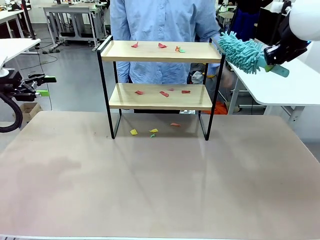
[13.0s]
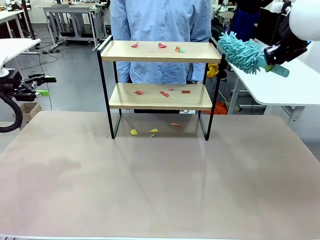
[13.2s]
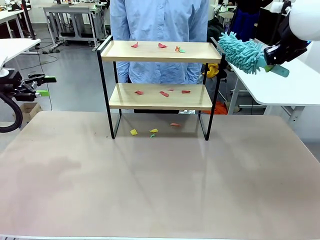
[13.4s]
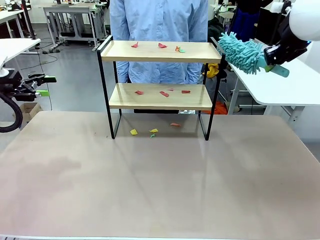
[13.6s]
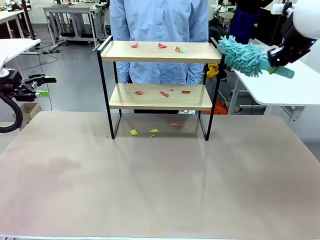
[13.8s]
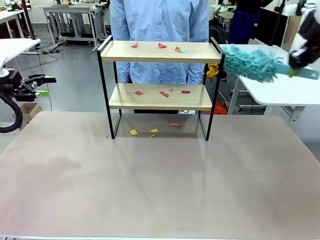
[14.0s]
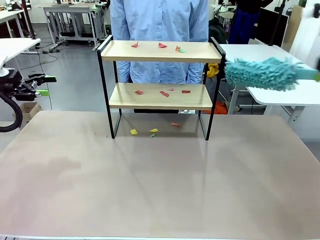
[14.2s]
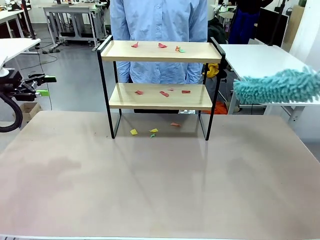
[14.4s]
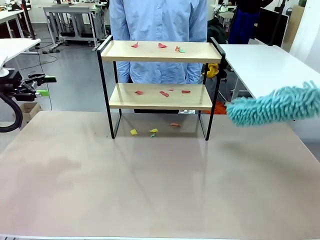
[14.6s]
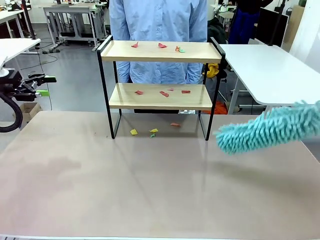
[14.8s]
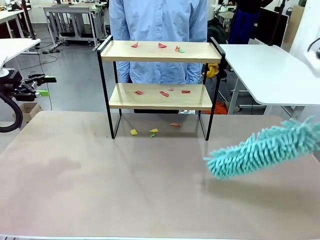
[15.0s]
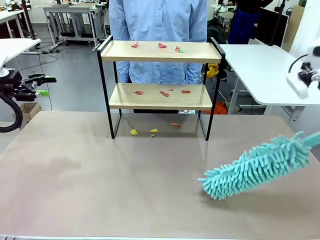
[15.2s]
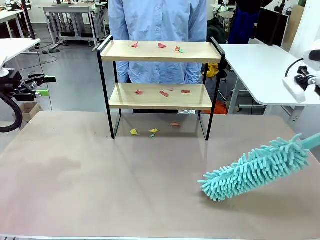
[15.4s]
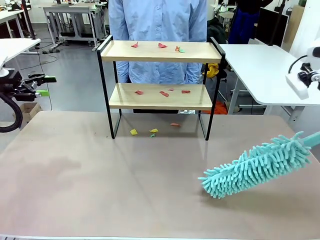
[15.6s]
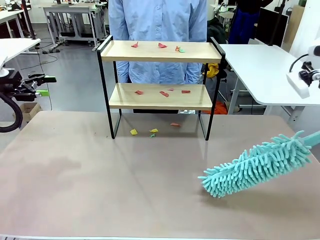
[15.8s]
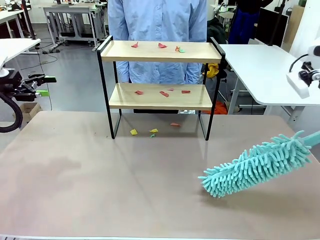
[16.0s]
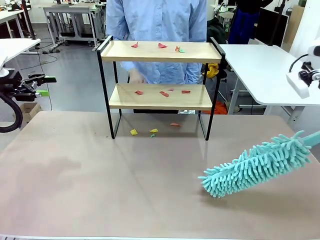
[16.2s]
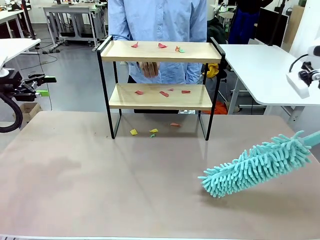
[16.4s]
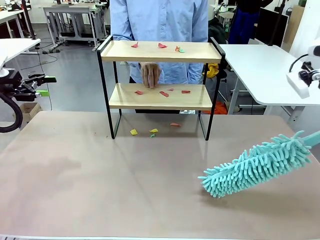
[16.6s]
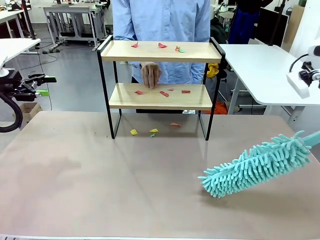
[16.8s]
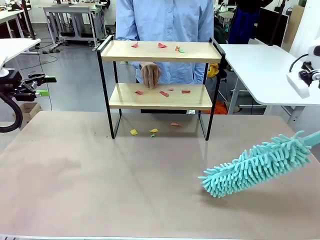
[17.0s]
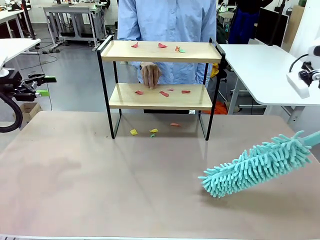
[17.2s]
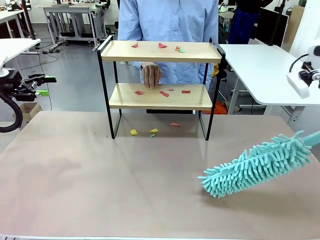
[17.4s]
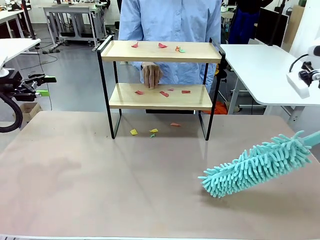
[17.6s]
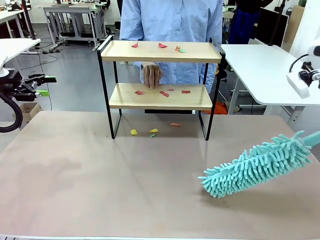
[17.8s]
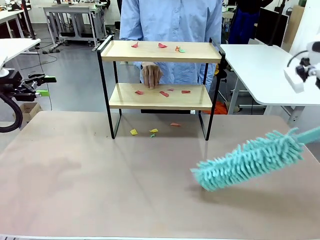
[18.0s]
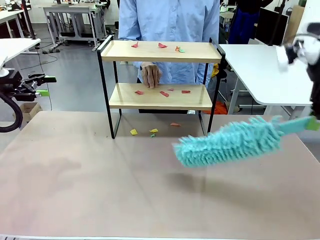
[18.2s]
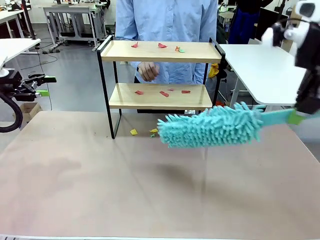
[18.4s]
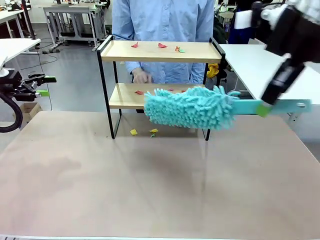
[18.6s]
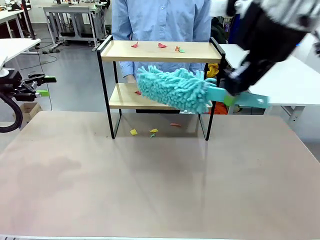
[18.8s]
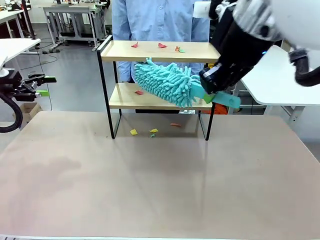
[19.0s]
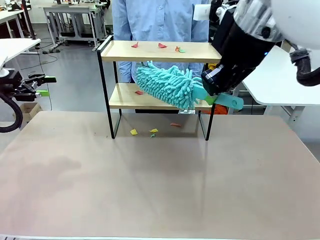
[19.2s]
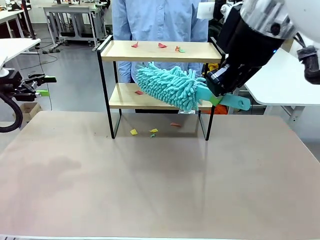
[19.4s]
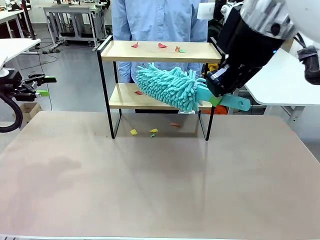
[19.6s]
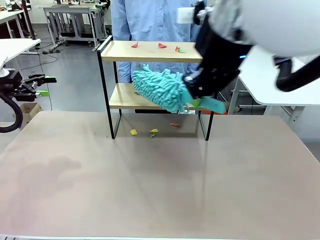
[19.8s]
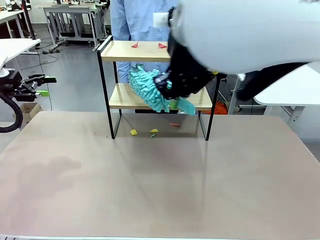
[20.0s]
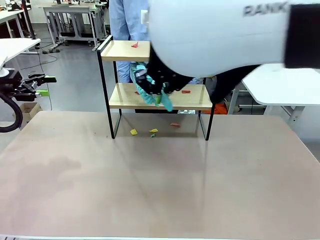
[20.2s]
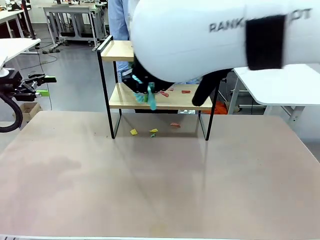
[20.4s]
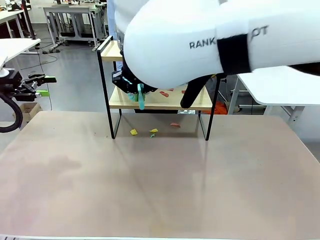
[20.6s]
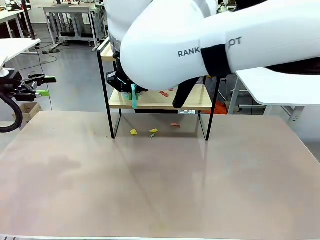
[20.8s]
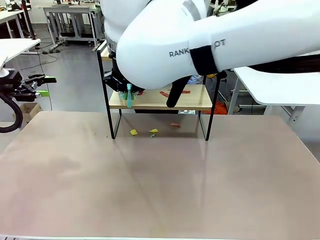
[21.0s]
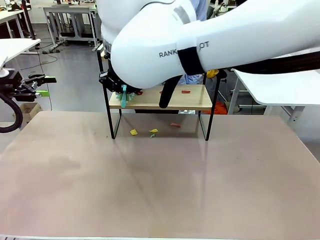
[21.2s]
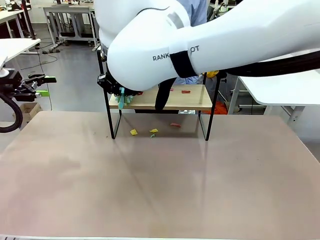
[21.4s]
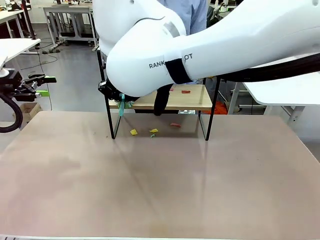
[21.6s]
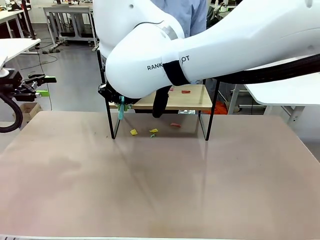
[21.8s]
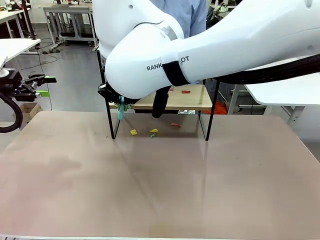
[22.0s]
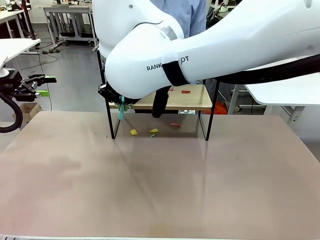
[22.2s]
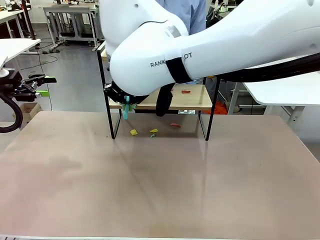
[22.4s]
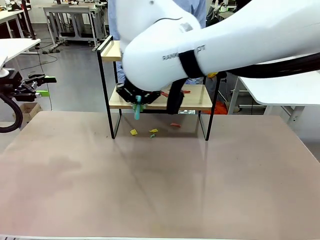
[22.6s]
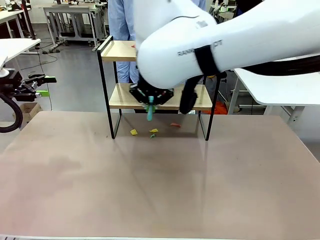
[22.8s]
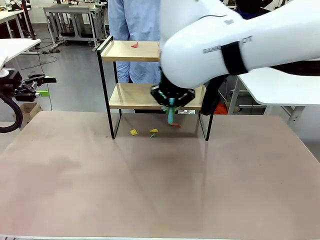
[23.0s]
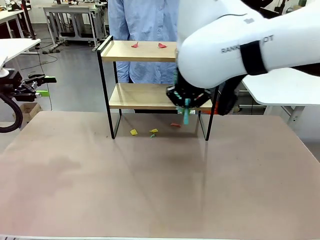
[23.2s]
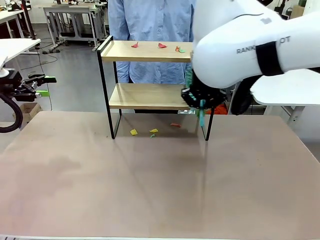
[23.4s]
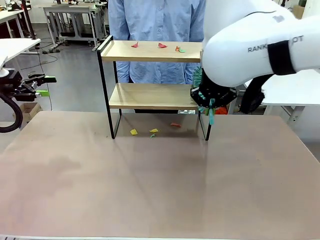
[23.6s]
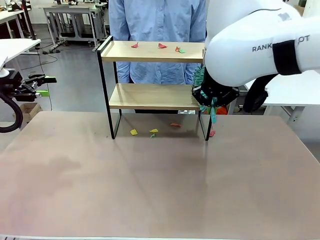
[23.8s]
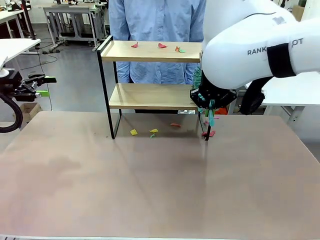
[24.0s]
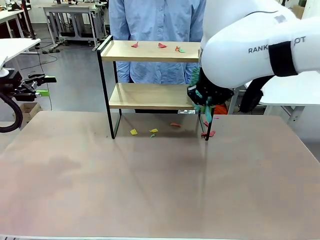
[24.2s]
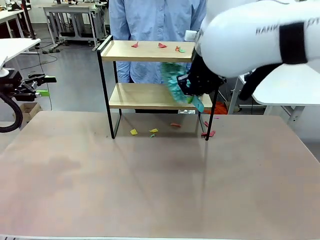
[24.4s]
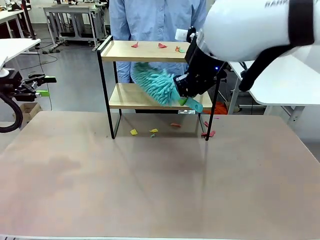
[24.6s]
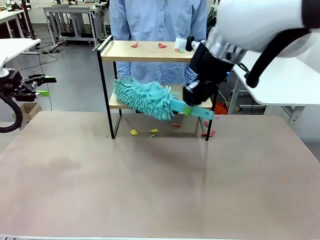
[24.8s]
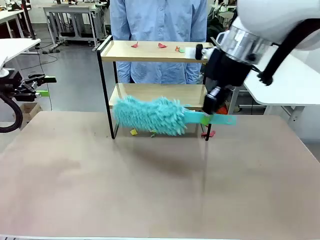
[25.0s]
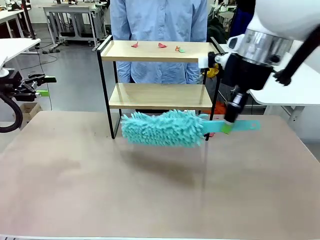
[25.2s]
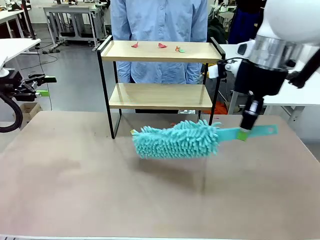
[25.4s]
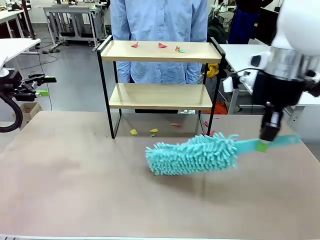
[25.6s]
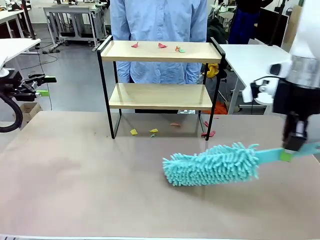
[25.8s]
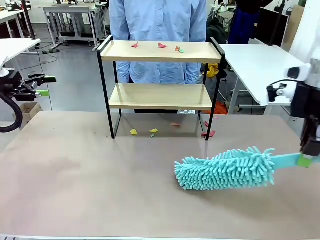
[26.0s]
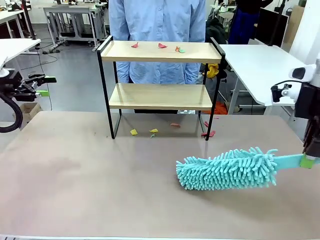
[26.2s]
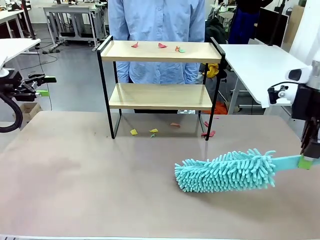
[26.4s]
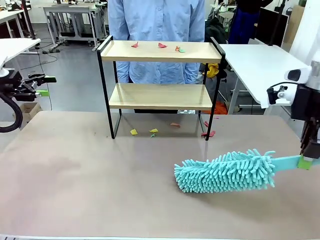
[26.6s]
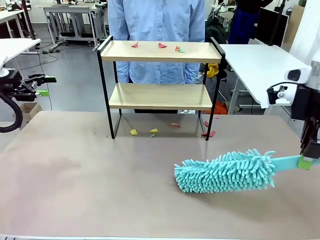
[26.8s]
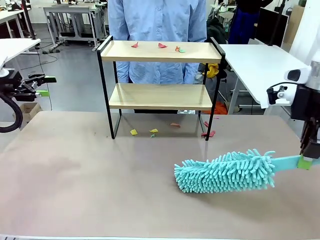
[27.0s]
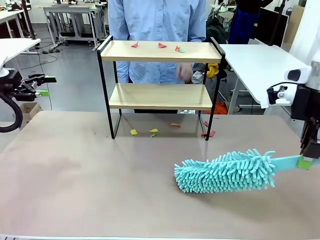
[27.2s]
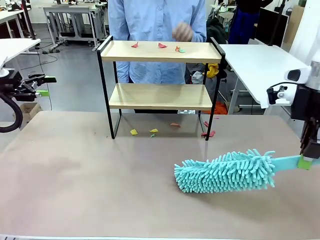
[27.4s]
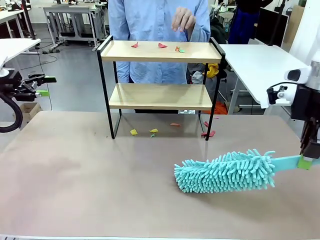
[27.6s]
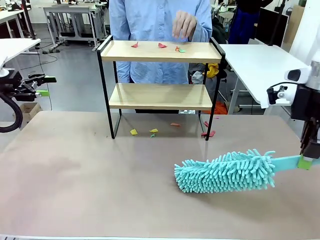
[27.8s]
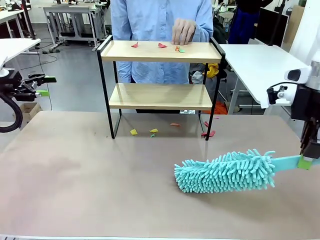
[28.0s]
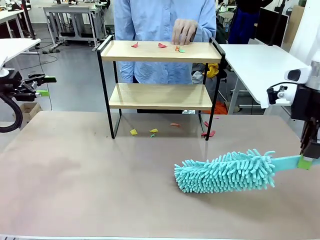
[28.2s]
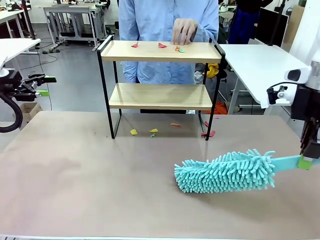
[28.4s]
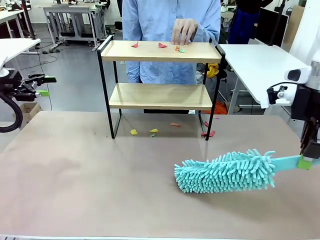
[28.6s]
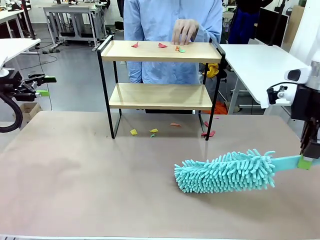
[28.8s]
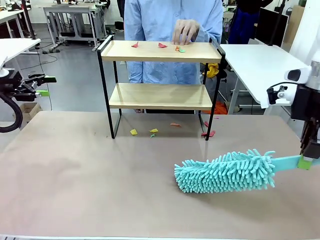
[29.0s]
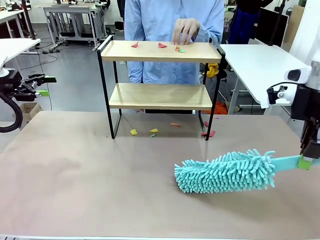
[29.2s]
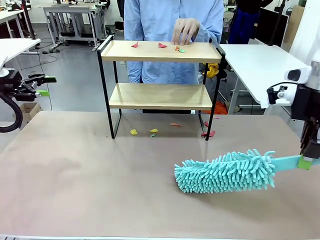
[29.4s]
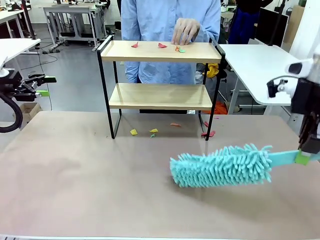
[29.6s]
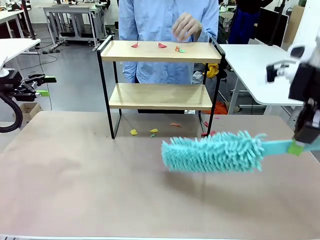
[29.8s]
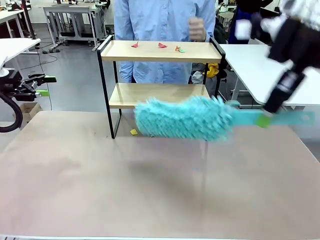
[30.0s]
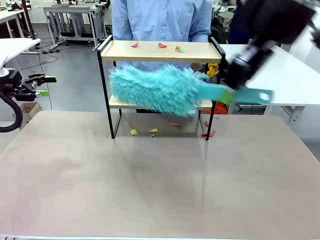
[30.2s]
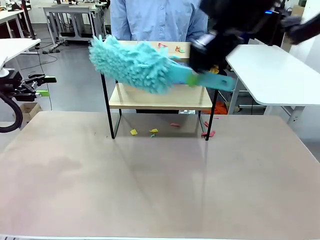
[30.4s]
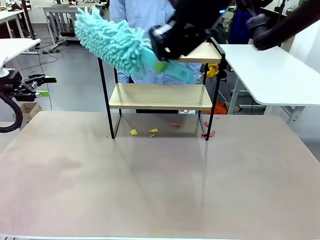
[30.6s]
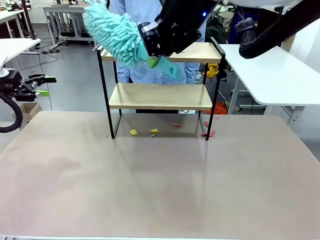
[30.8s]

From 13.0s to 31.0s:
Task: Clean the shelf.
Robot: Clean the specific section of the Shelf indicated by the human with the Duster.
Person: Point a random section of the Shelf.
